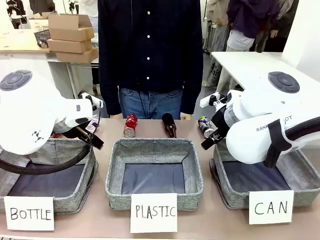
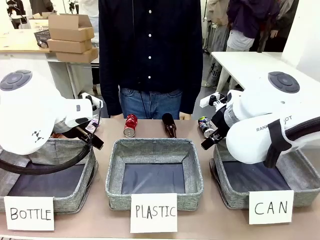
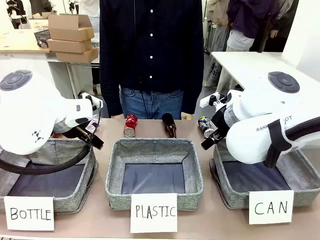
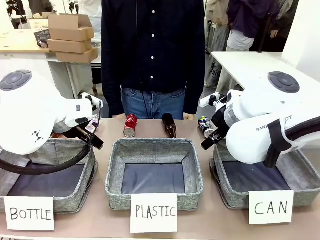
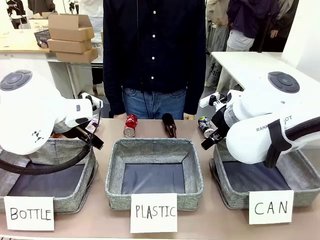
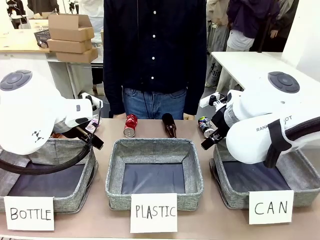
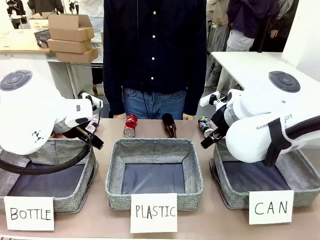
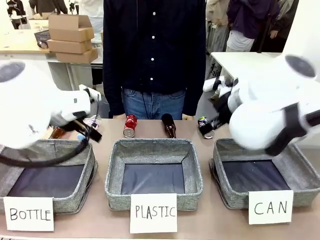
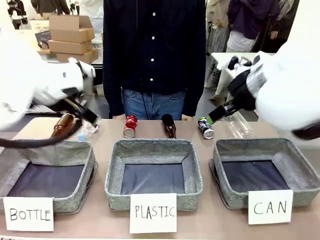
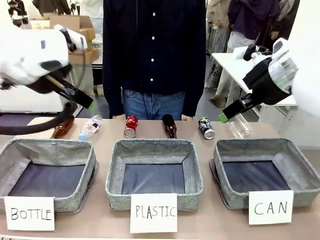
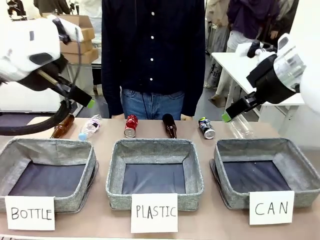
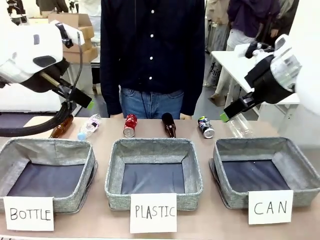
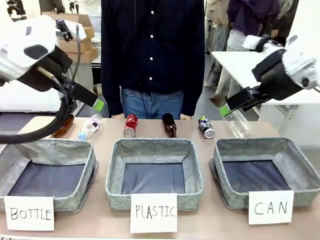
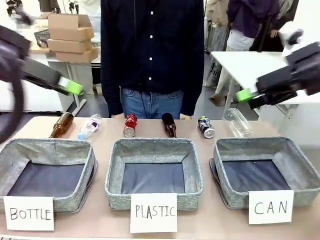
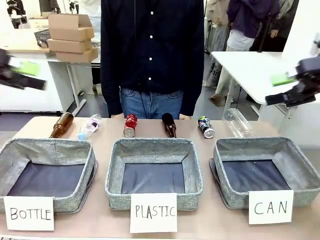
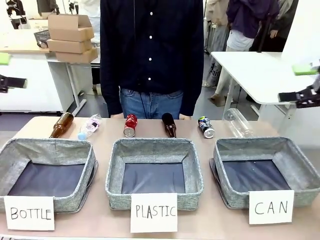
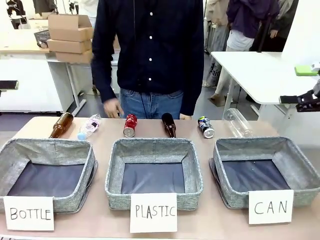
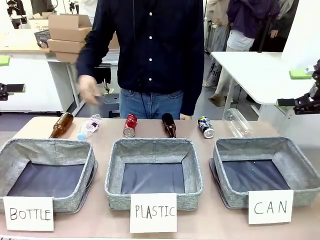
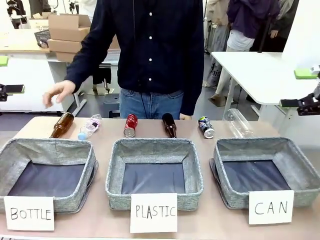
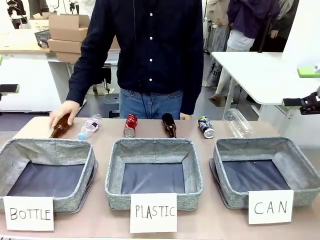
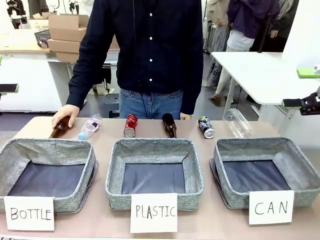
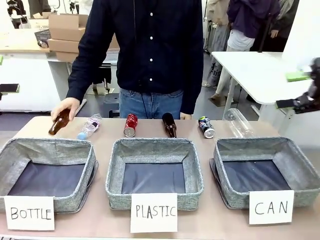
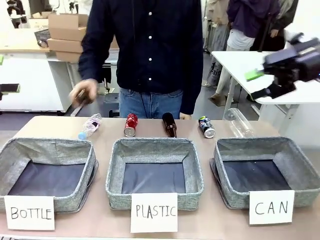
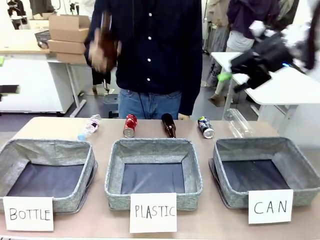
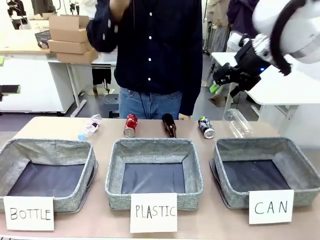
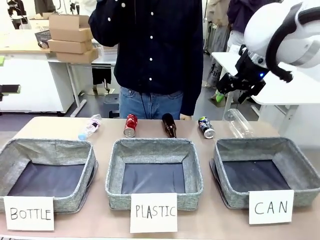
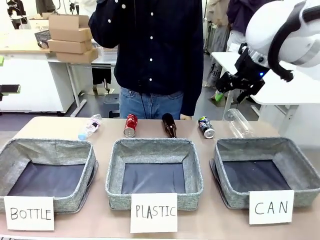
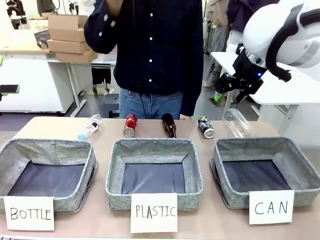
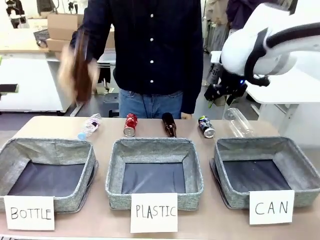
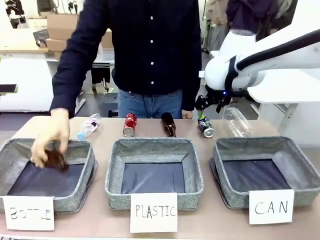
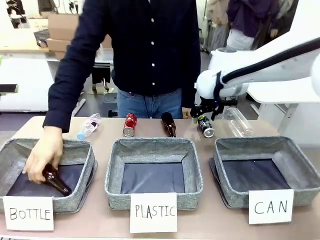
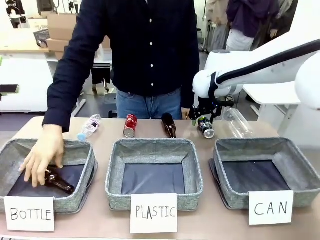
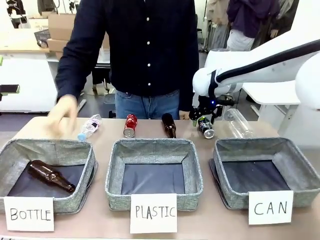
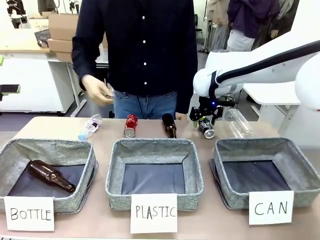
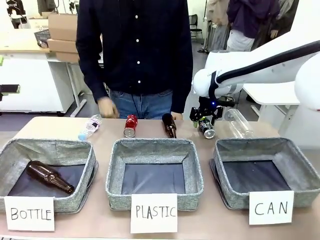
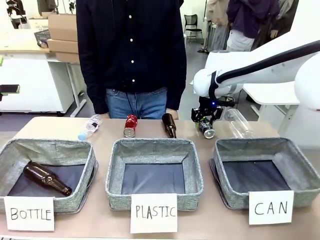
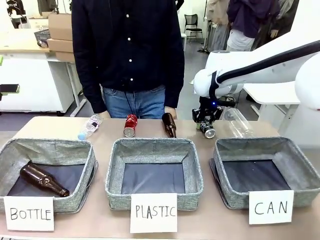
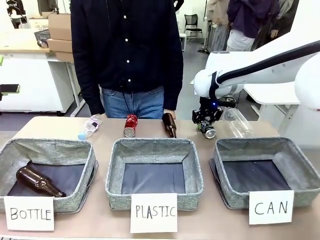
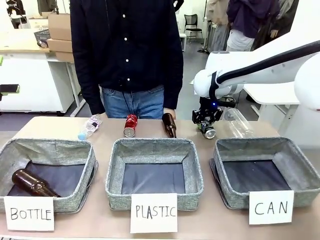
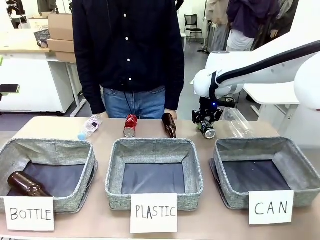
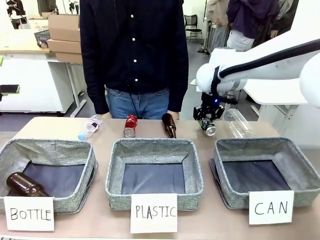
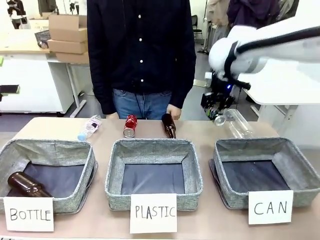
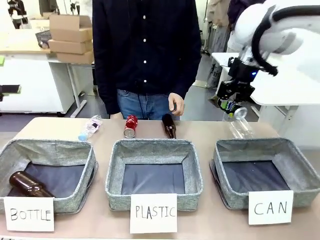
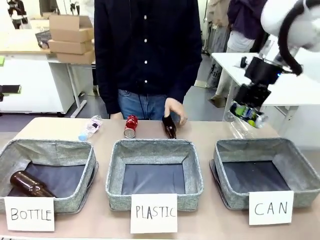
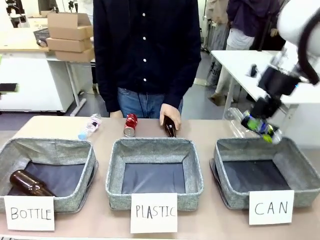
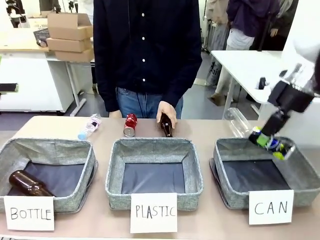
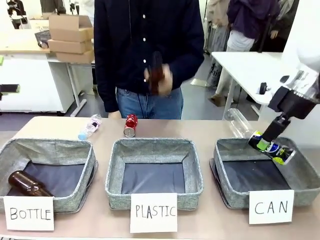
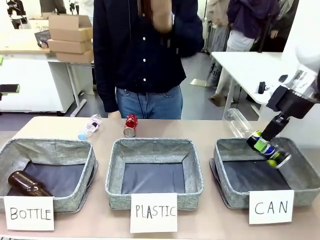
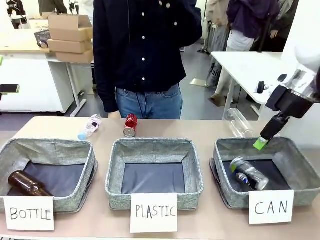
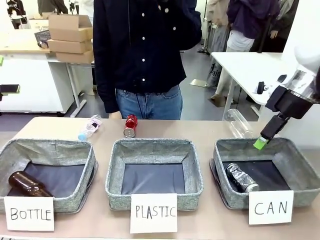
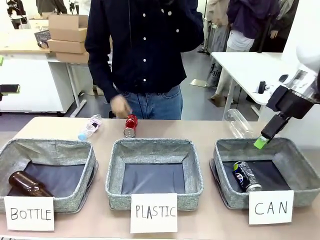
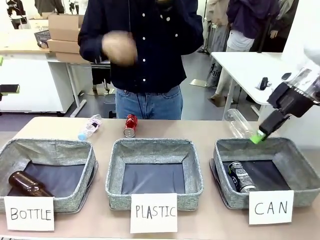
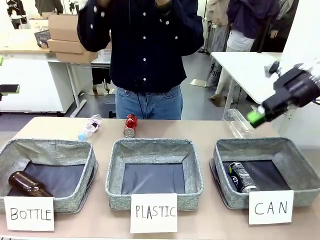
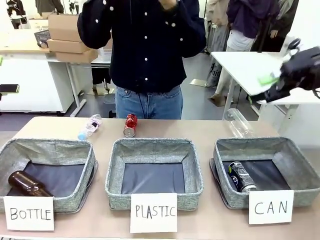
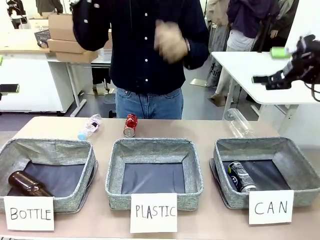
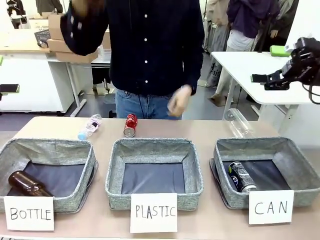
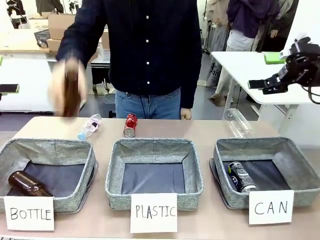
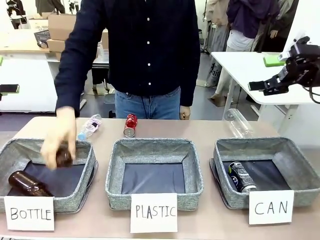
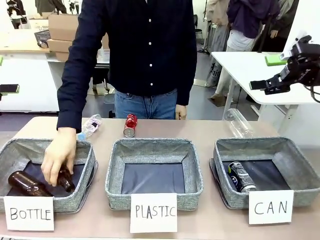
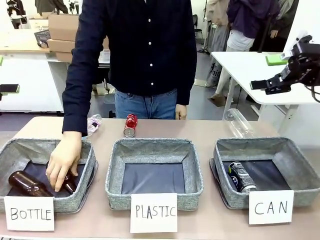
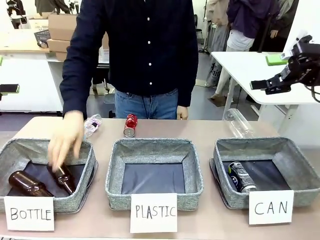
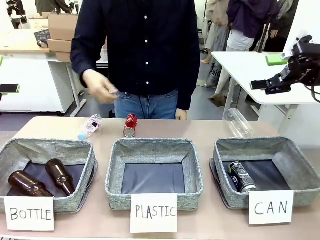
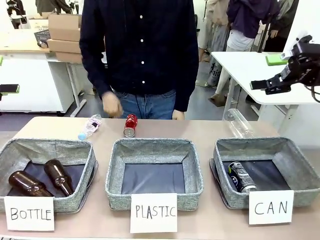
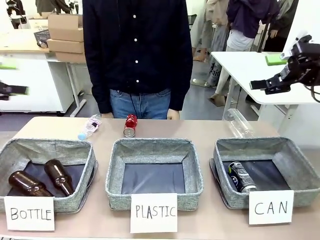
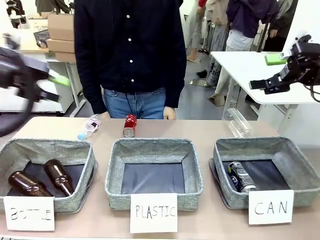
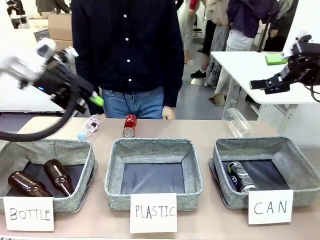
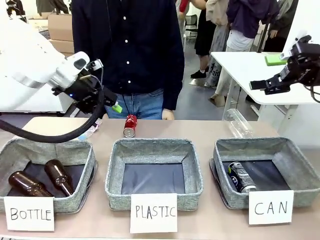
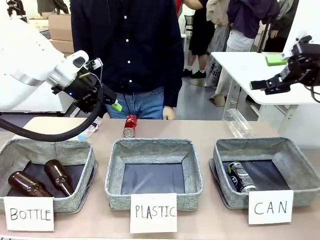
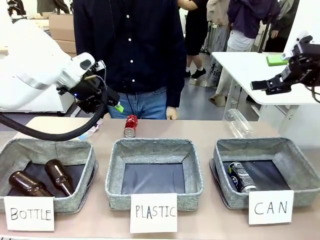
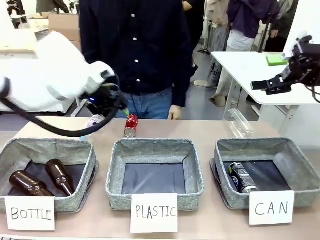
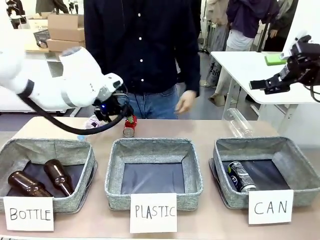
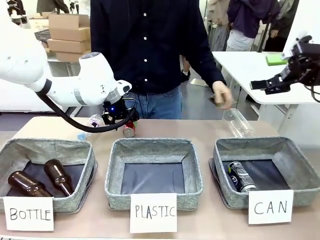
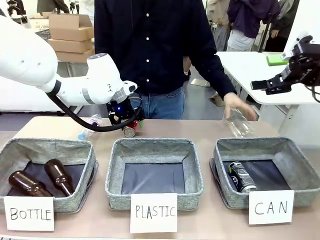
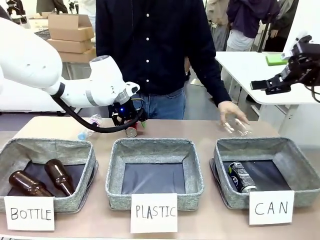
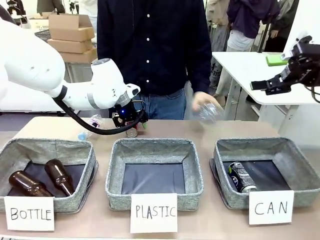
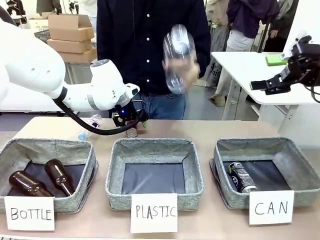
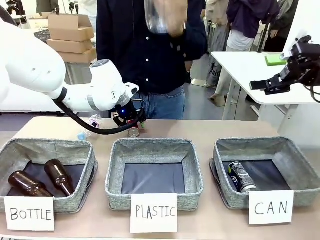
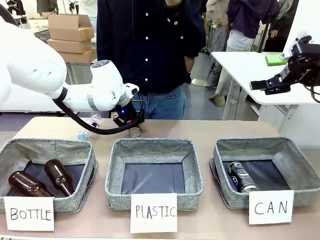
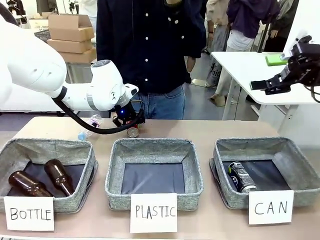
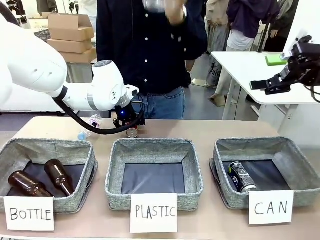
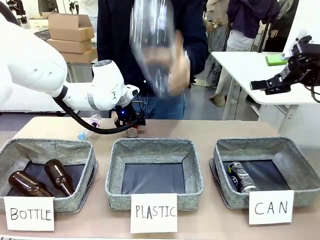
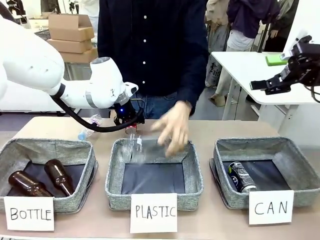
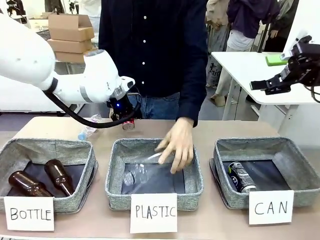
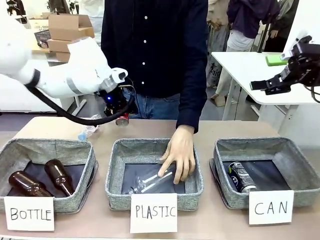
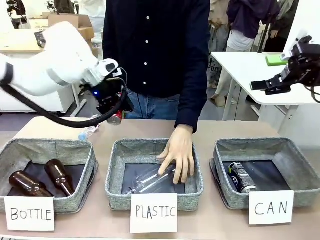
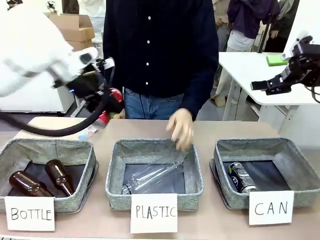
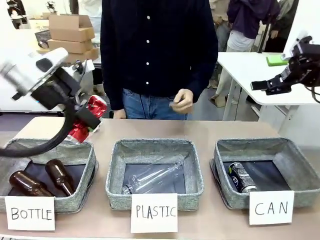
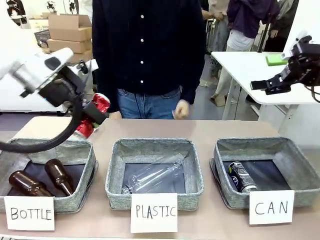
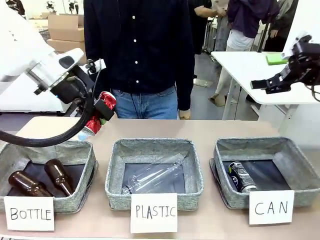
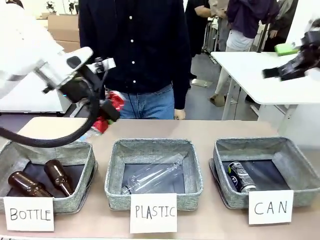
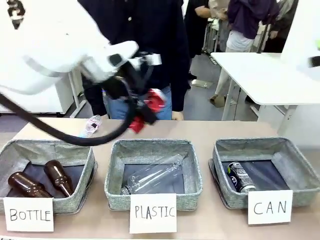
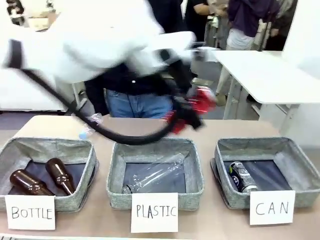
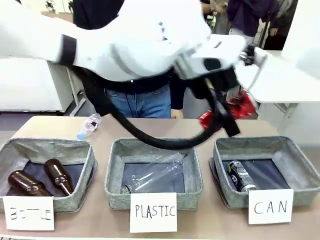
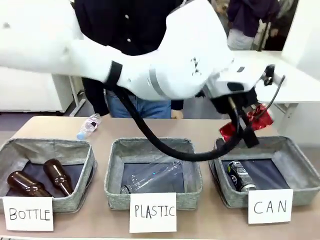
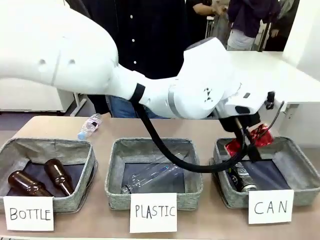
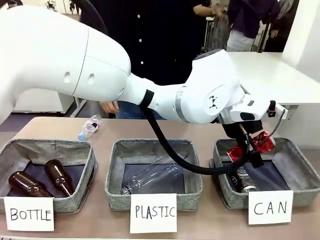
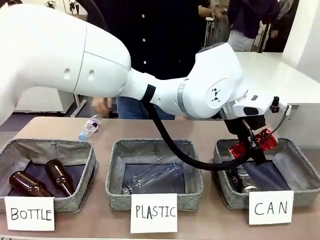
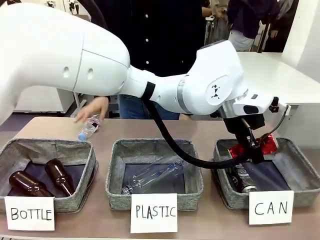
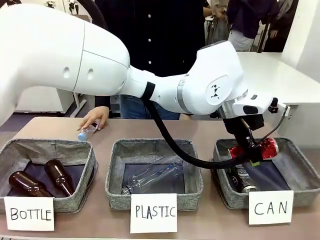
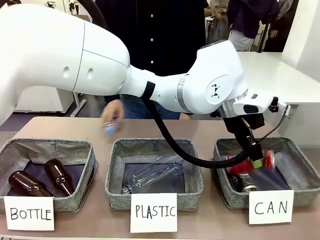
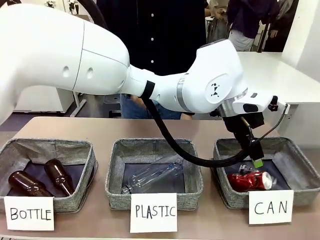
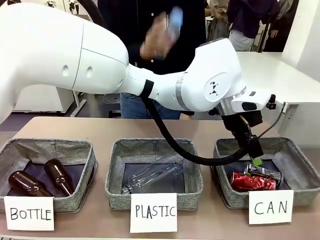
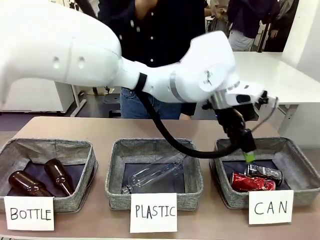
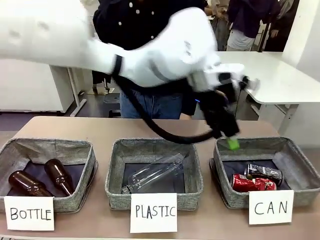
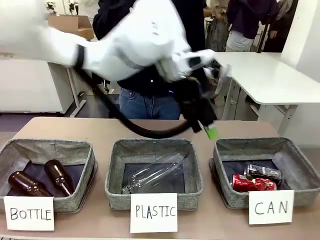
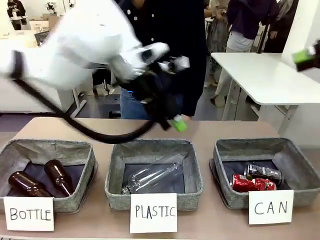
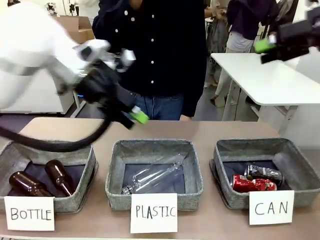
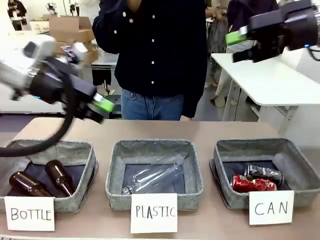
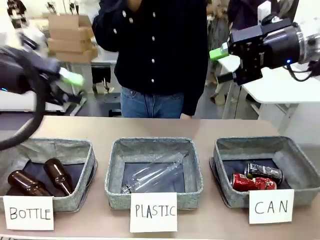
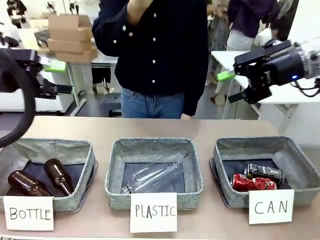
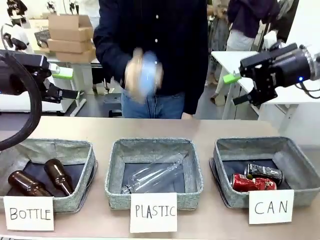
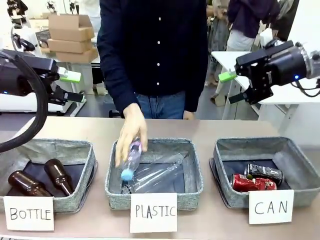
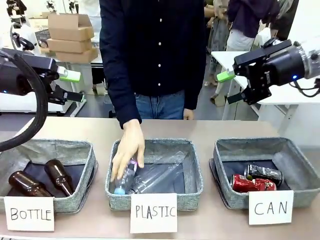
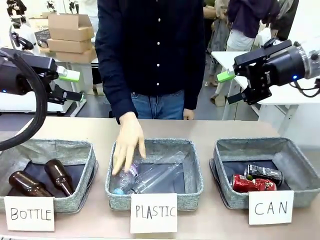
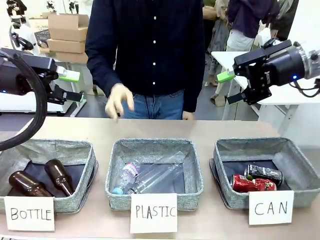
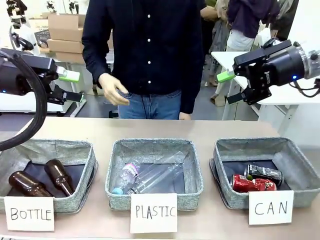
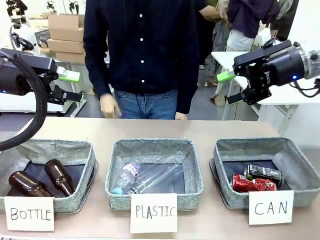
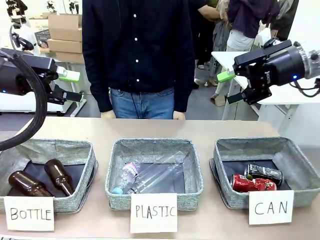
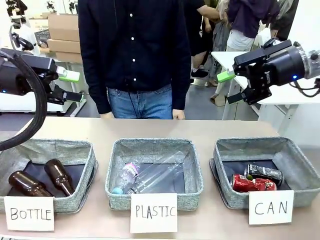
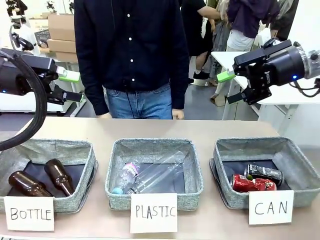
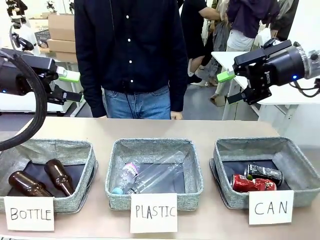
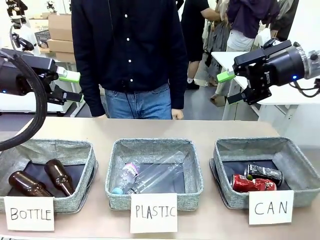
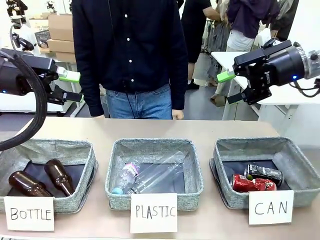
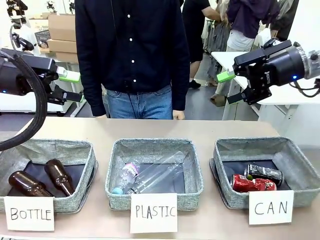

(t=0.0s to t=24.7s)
Task: Sort the can waste into the basket.
Robot: Pick up the can waste from the table and place it in the right Fabric basket.
Person: The human picks up one piece of trash that is not a can and places the trash into the appropriate organizing basket.
